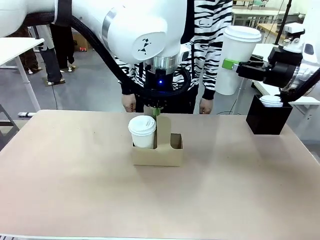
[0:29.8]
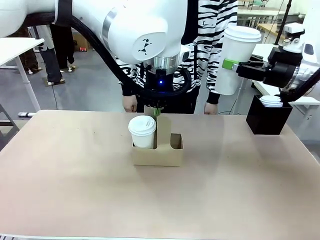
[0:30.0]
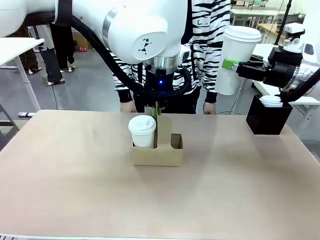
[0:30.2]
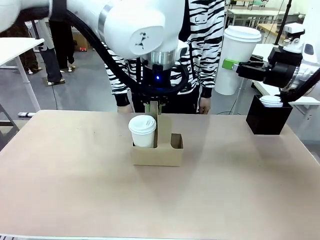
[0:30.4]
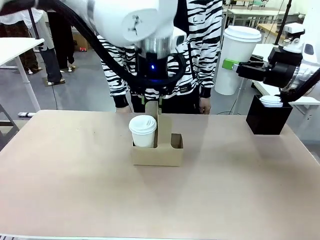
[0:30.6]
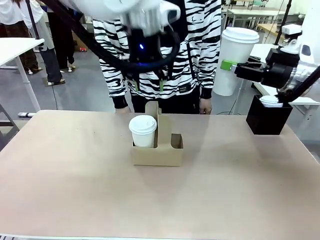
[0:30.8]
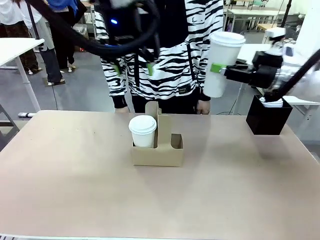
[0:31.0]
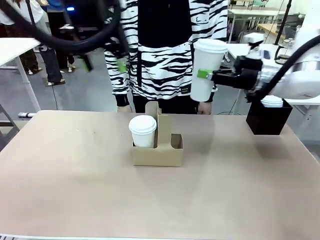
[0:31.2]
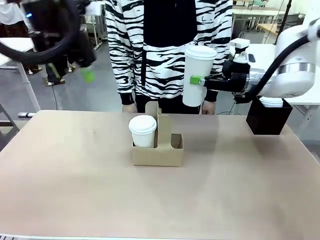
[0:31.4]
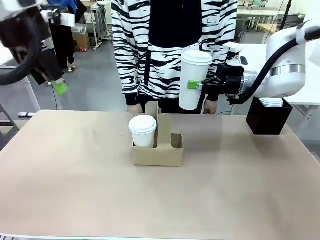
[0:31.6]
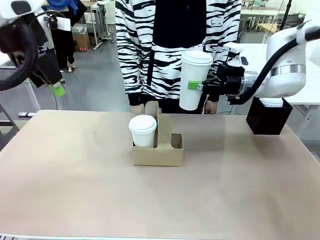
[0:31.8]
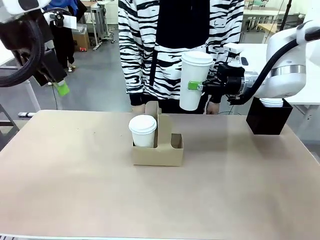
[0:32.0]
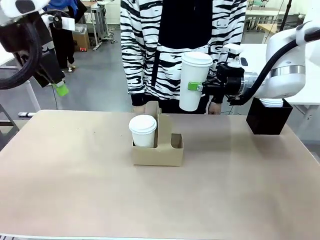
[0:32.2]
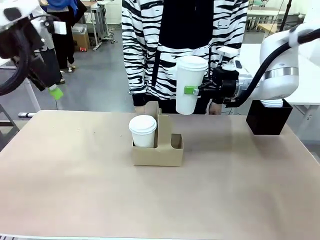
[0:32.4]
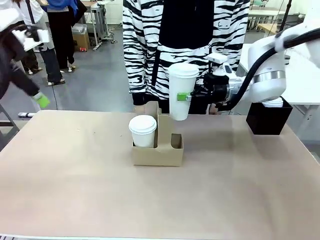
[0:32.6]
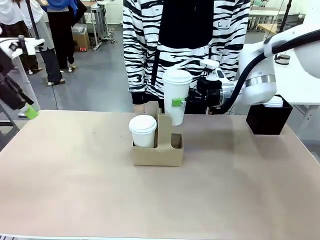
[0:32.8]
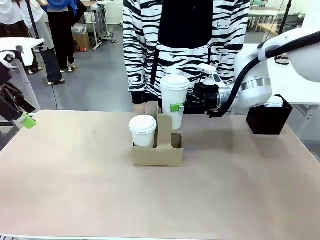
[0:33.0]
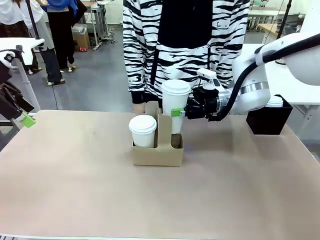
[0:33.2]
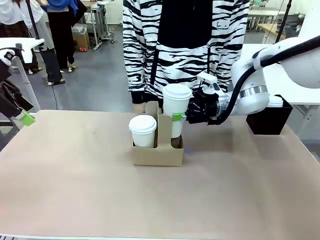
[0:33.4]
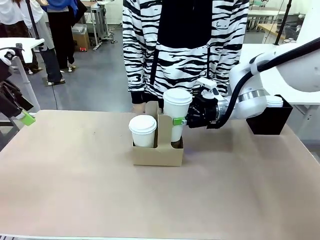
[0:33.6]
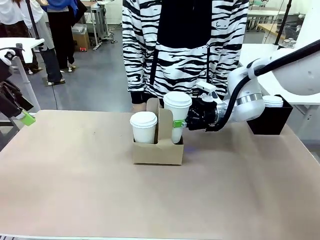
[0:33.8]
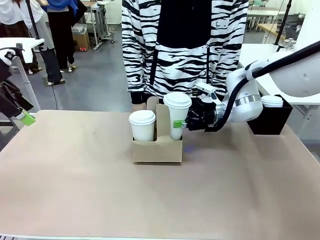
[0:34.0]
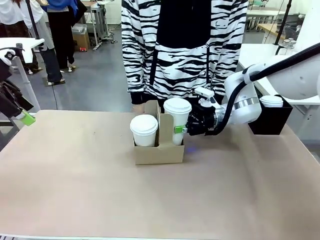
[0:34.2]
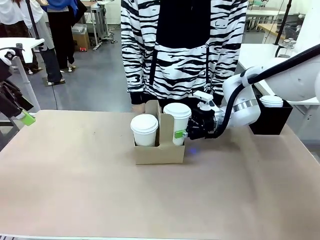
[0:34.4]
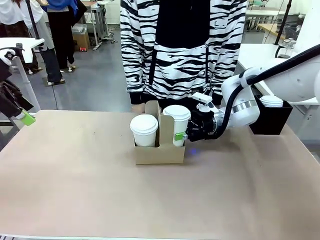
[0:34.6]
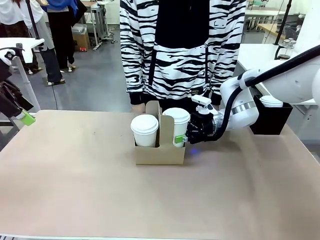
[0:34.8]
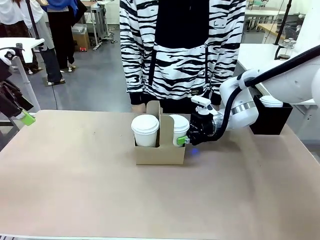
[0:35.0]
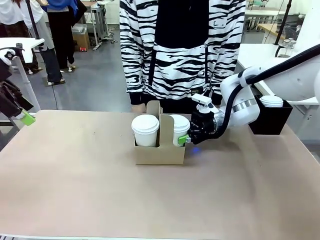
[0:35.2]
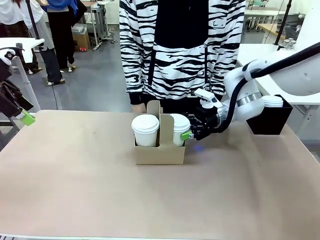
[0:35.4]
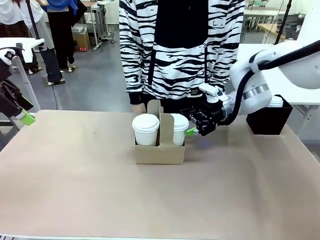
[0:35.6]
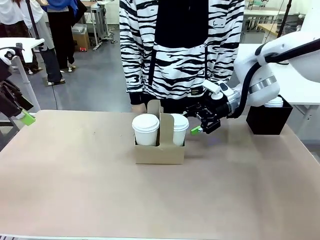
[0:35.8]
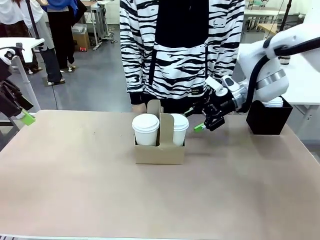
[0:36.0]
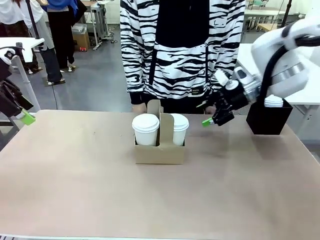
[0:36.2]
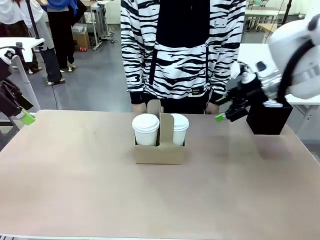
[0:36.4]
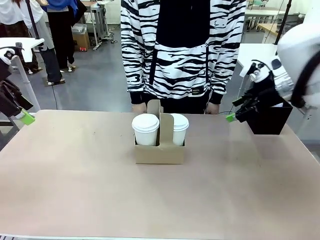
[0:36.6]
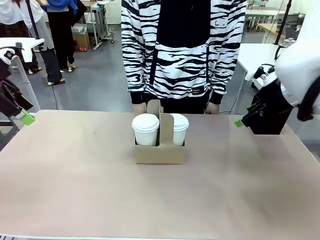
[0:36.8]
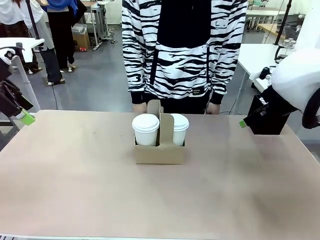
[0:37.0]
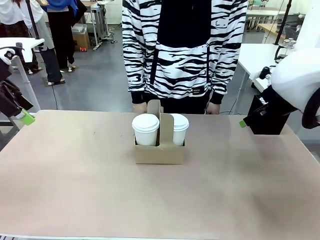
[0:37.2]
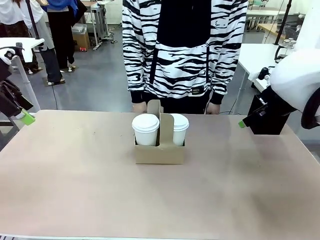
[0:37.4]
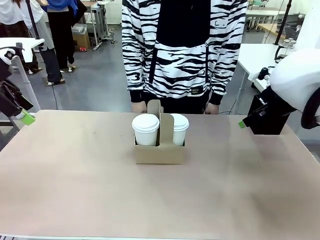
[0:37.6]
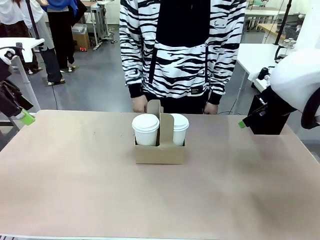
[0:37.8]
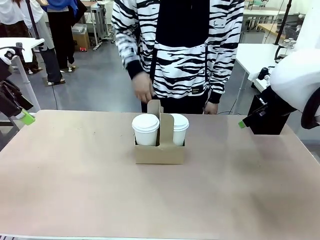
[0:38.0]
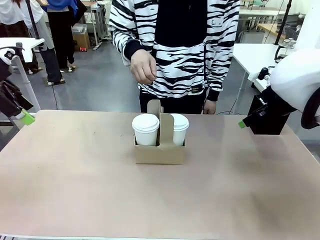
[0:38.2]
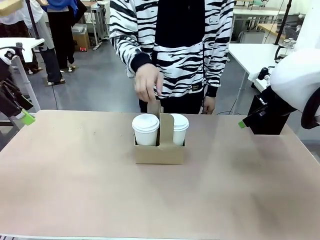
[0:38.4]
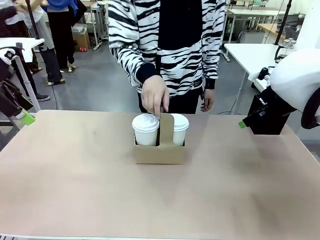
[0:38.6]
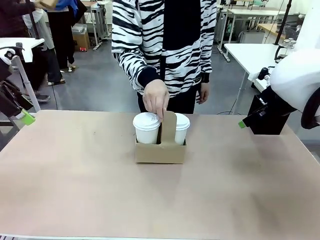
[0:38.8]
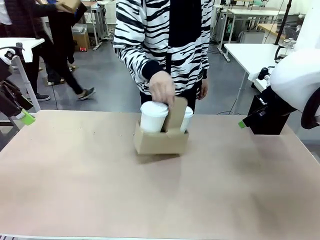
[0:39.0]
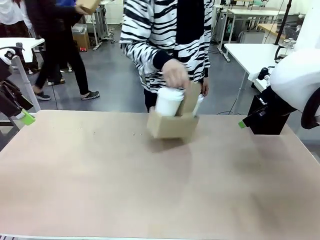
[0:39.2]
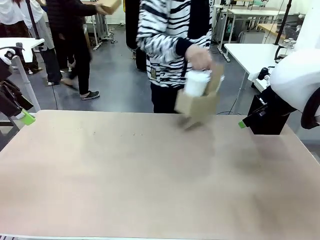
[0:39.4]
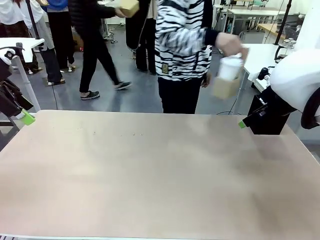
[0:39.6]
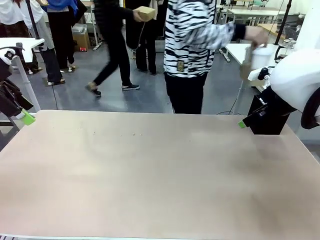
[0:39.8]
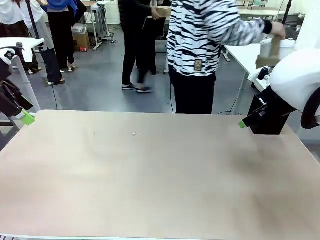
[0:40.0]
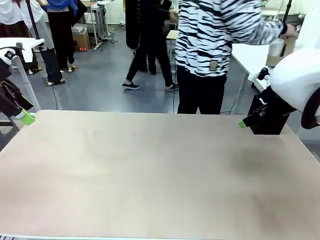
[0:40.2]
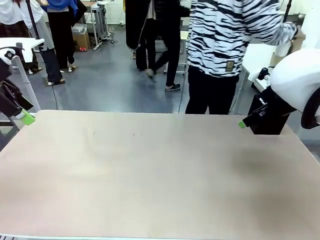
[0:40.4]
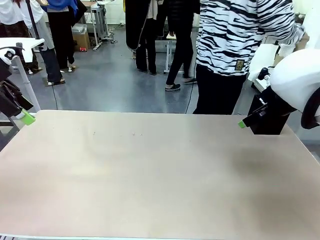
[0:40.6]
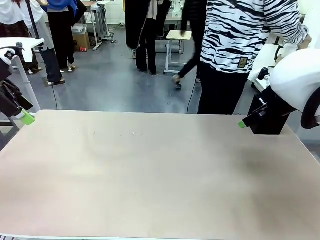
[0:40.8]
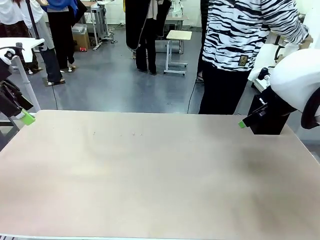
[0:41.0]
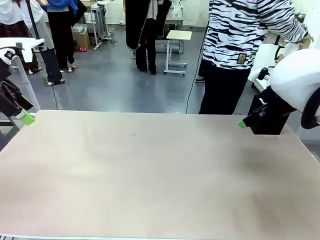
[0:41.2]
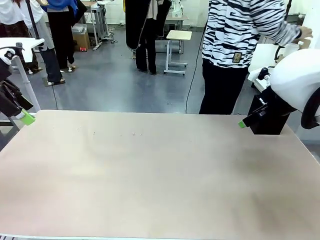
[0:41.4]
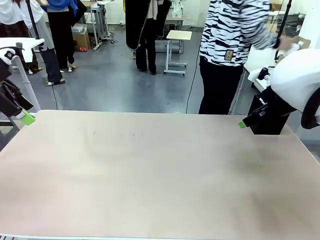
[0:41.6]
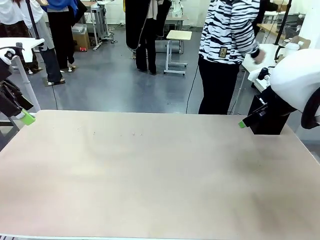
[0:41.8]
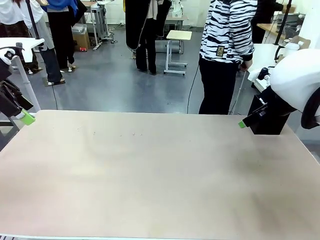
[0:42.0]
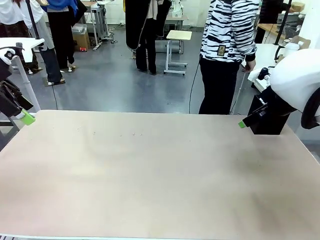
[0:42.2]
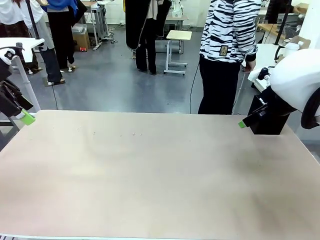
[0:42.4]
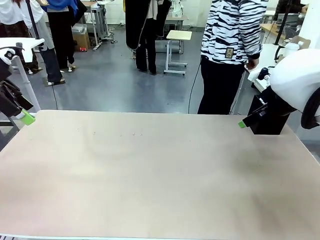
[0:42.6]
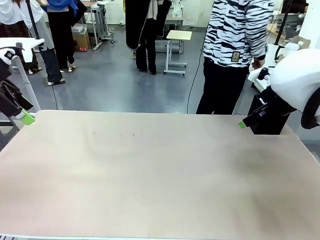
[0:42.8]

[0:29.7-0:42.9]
Task: Pour a drink into a cup and package it in a carrier.
Robot: Insert the held 600 ml Paper Cup into the Cup Carrier.
Person: Place the Cup Carrier to the middle of Human table.

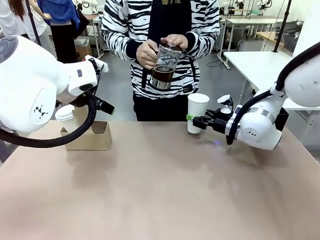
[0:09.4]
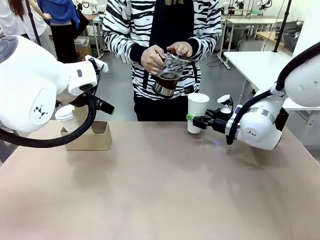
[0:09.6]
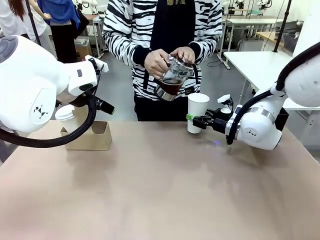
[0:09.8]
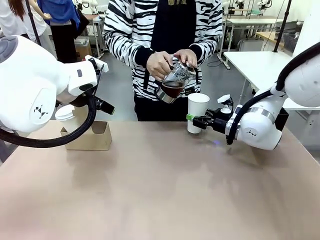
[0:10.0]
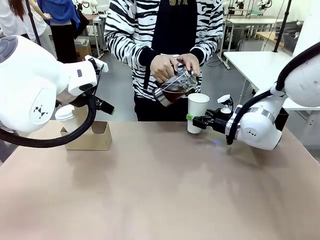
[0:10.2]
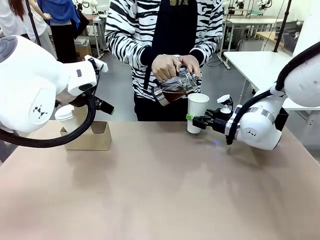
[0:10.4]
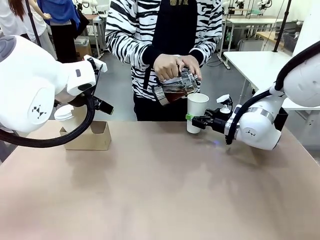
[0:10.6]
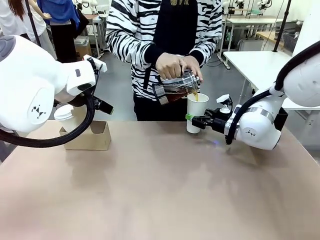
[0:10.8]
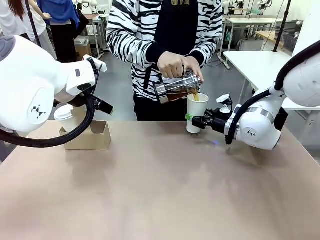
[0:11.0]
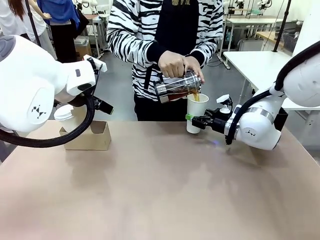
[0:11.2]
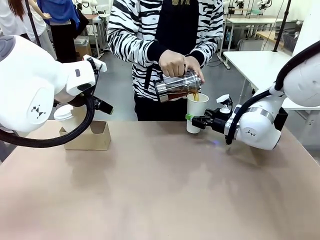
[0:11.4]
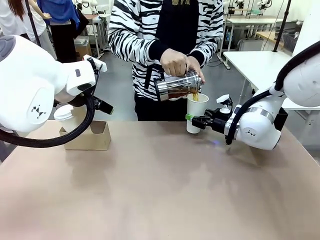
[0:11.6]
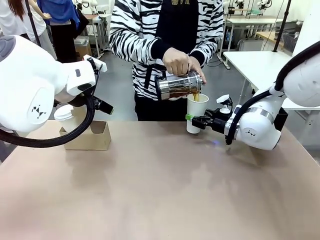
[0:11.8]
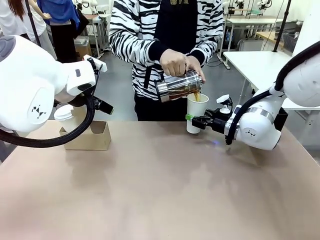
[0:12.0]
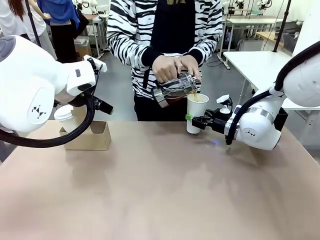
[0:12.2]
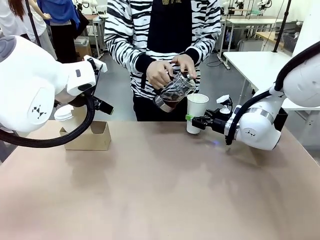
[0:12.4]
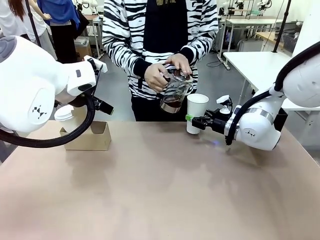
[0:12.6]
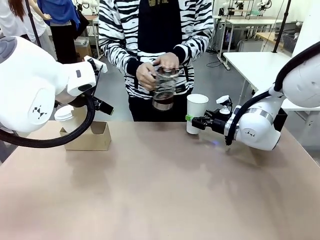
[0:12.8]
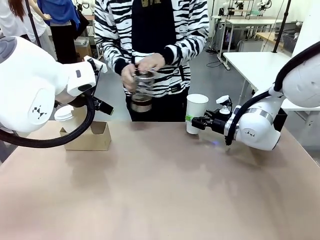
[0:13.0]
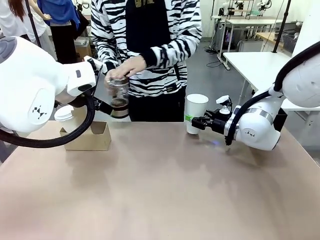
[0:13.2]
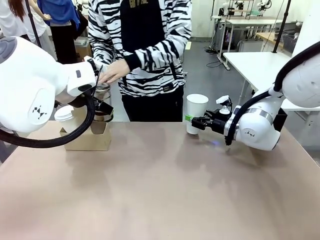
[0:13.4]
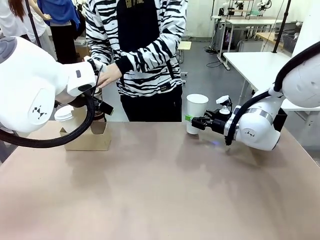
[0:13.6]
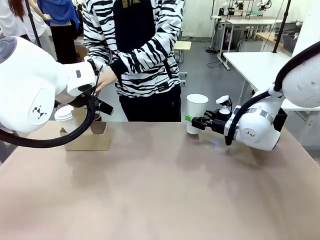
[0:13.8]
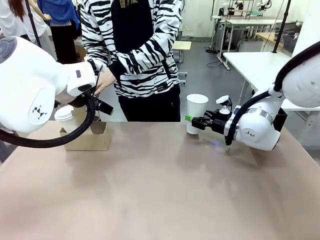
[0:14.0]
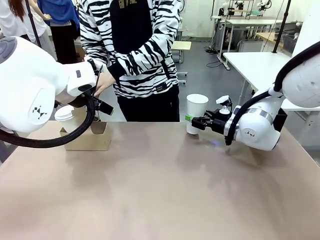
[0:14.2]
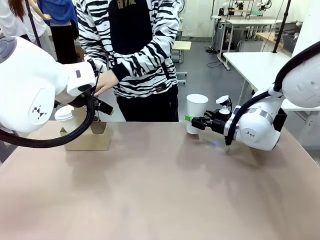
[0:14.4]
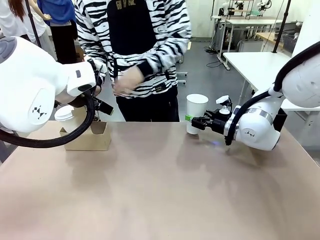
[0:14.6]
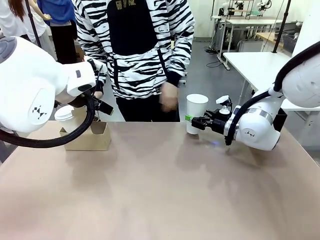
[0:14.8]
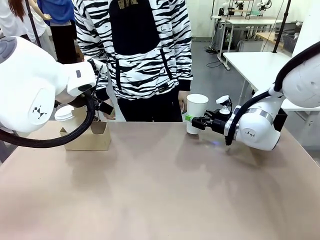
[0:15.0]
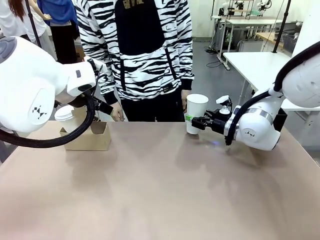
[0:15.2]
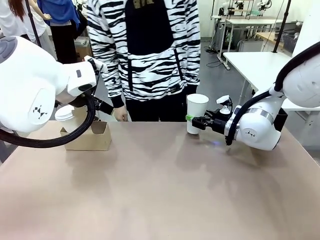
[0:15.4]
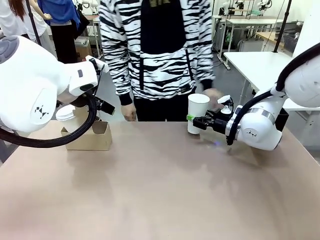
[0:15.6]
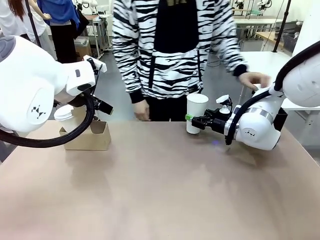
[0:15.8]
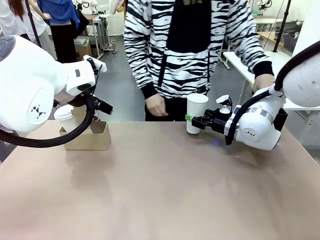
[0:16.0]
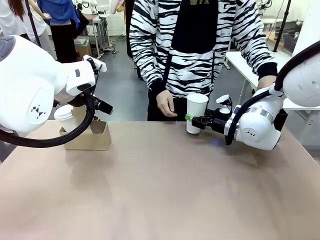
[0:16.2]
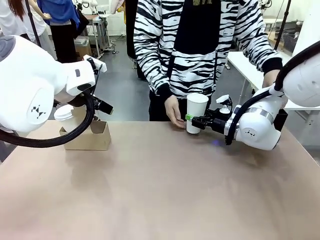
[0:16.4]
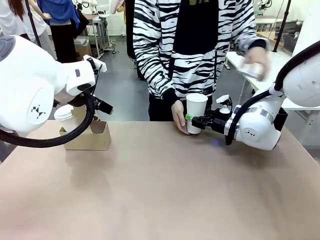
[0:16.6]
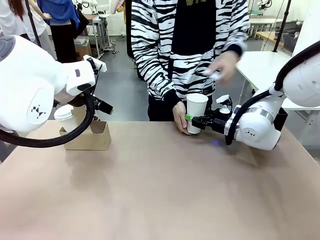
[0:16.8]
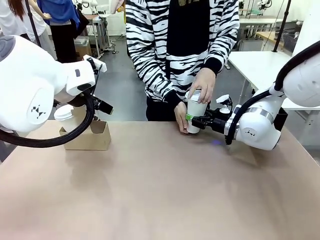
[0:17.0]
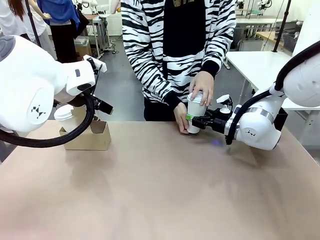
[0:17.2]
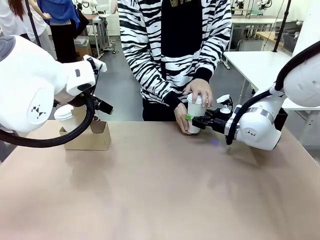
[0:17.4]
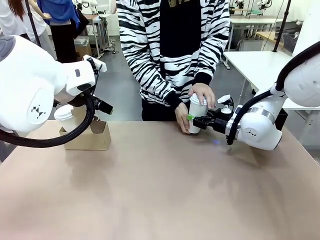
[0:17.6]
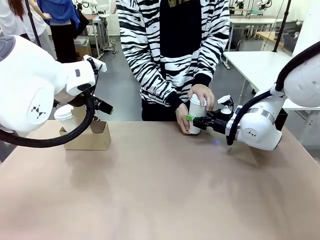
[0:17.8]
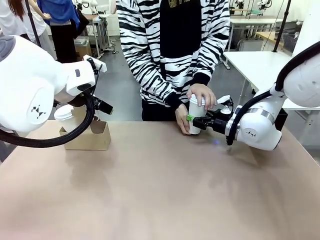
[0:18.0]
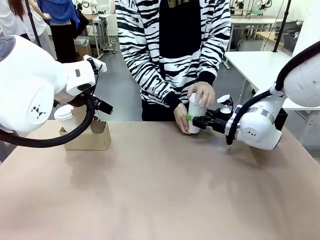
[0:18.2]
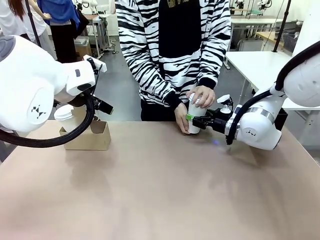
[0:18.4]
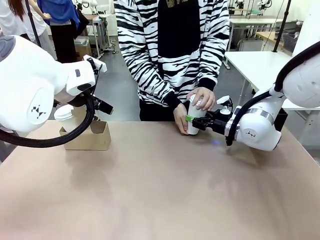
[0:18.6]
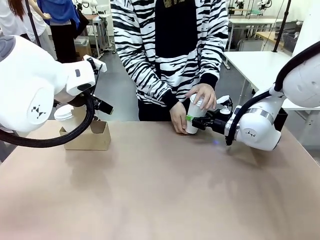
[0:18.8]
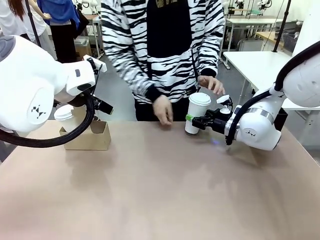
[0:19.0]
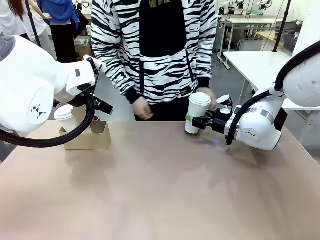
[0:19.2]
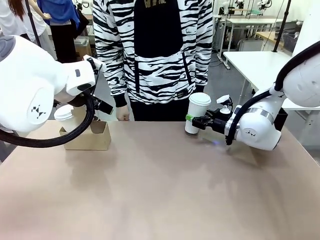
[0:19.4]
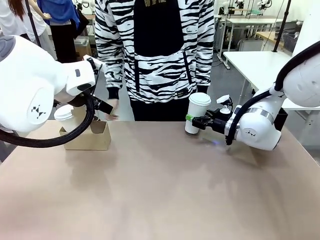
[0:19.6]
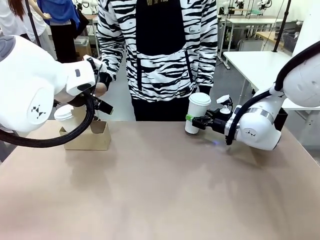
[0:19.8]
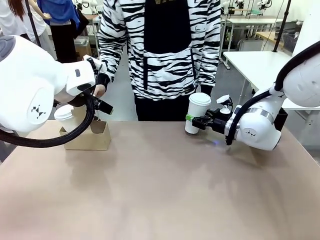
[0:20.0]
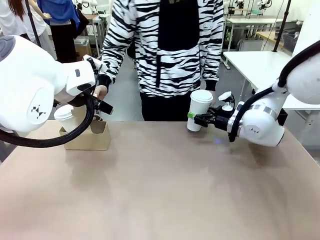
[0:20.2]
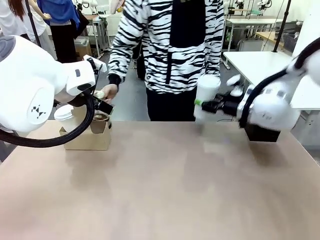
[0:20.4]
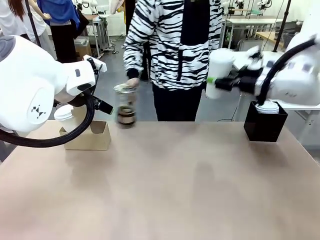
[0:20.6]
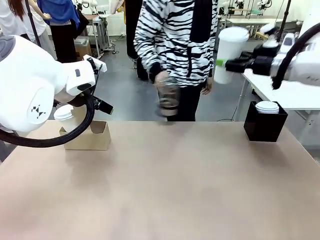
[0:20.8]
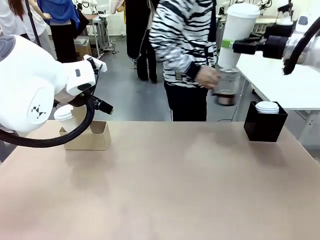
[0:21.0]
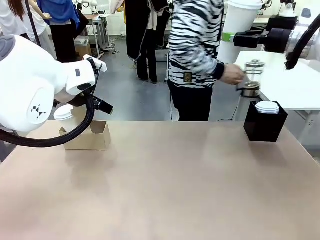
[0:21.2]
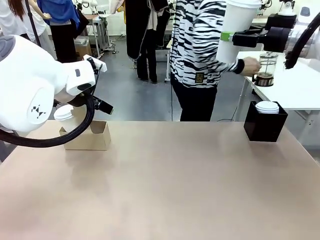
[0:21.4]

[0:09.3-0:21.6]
Task: Pour a drink into a cup and package it in a carrier.
Robot: When a person places the Paper Cup Lid on the 600 ml Paper Cup , lift the 600 ml Paper Cup.
Person: Pour the drink from the Filter Brewing into the 600 ml Paper Cup. Place a Paper Cup Lid on the 600 ml Paper Cup.
